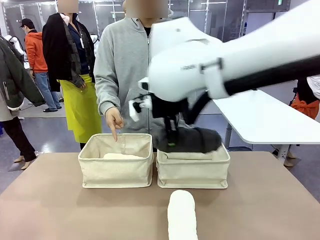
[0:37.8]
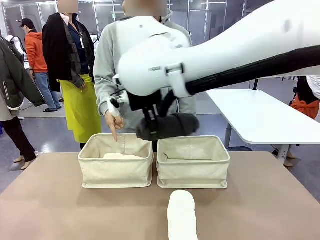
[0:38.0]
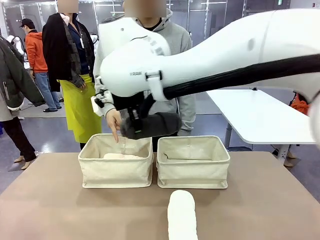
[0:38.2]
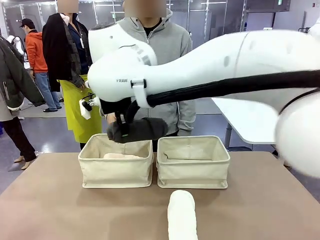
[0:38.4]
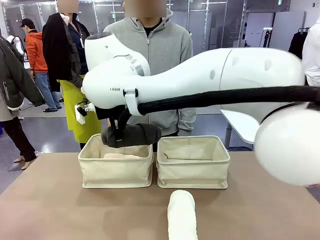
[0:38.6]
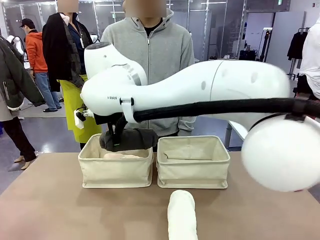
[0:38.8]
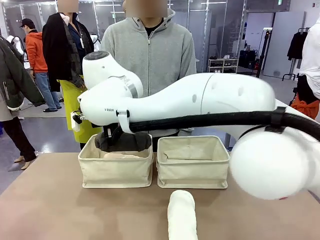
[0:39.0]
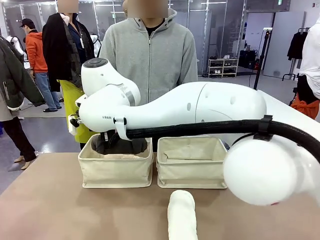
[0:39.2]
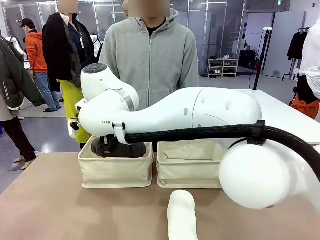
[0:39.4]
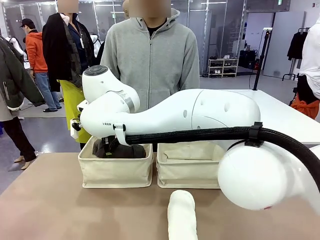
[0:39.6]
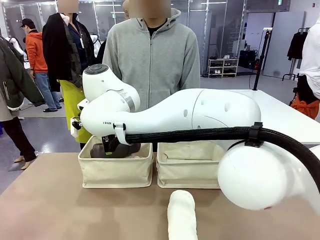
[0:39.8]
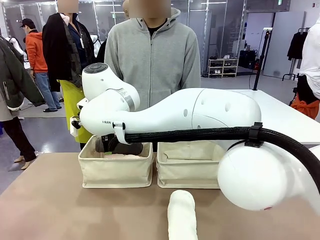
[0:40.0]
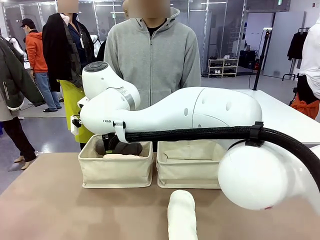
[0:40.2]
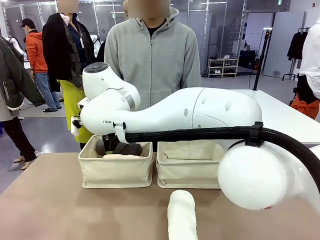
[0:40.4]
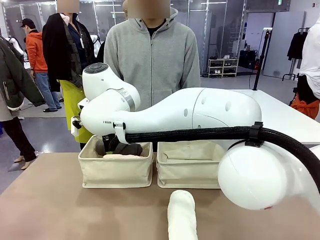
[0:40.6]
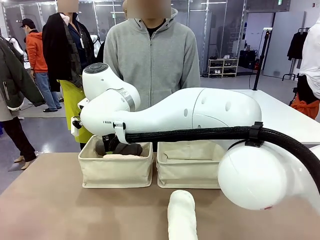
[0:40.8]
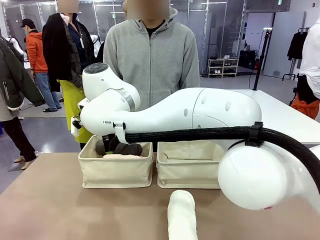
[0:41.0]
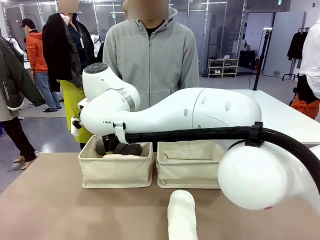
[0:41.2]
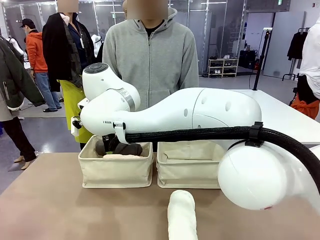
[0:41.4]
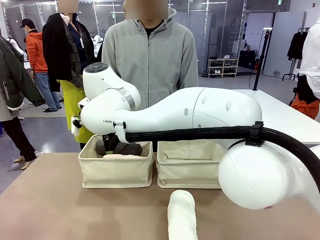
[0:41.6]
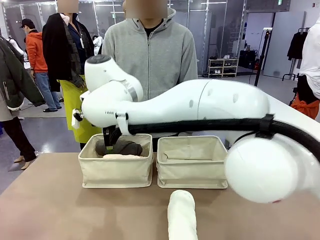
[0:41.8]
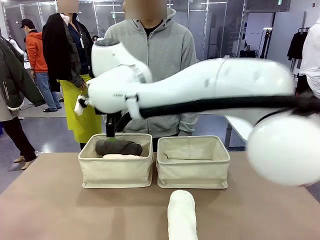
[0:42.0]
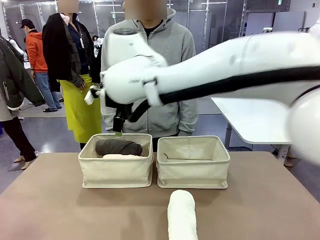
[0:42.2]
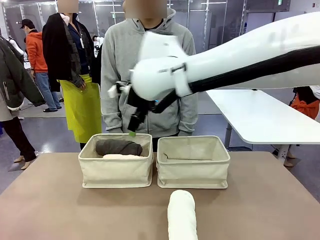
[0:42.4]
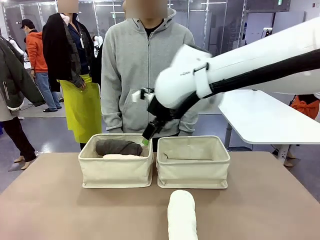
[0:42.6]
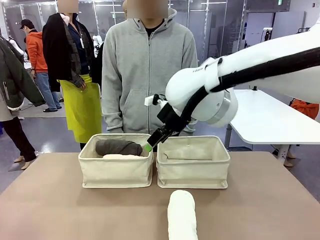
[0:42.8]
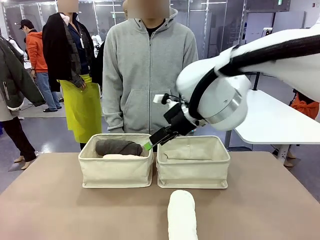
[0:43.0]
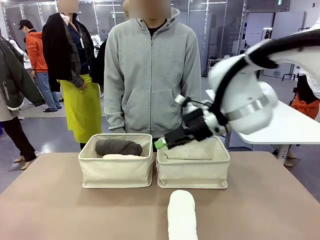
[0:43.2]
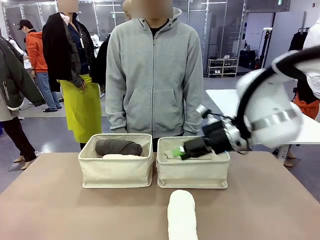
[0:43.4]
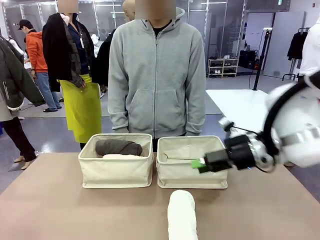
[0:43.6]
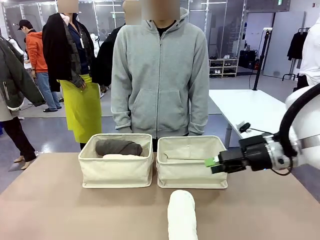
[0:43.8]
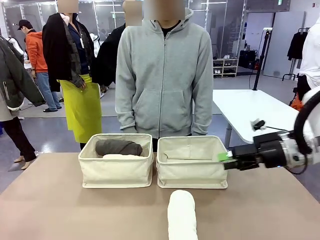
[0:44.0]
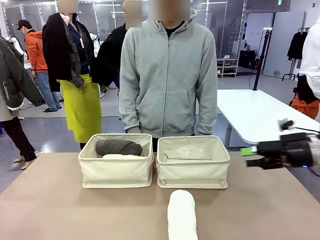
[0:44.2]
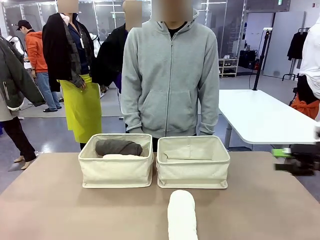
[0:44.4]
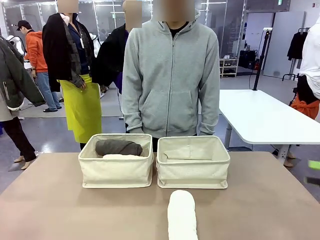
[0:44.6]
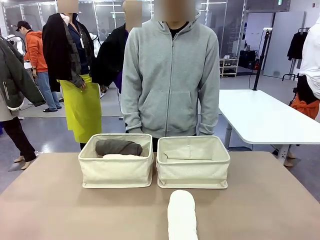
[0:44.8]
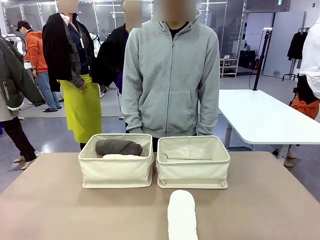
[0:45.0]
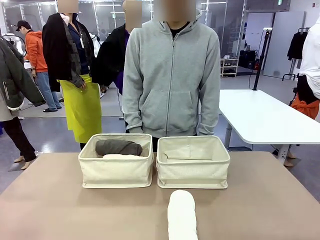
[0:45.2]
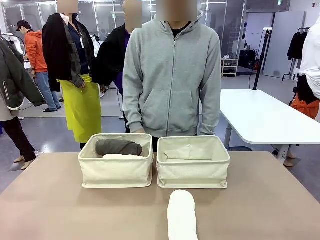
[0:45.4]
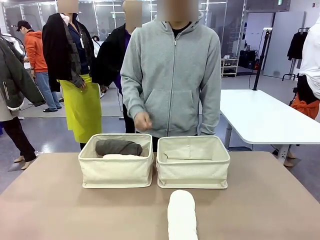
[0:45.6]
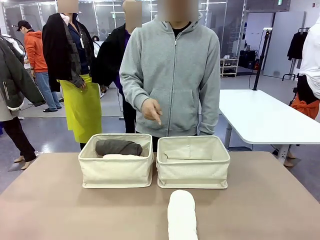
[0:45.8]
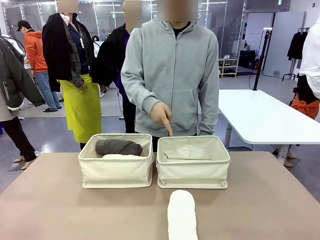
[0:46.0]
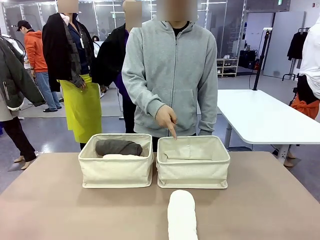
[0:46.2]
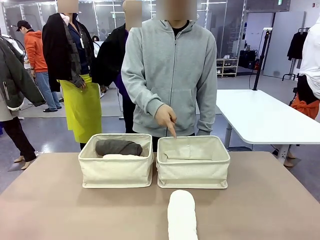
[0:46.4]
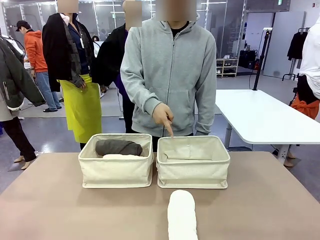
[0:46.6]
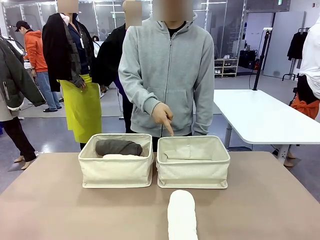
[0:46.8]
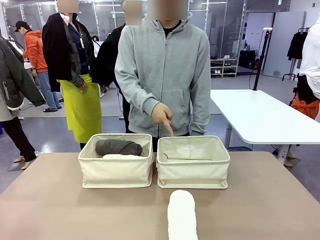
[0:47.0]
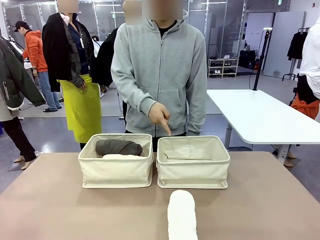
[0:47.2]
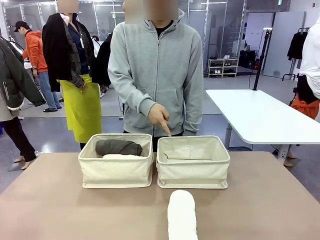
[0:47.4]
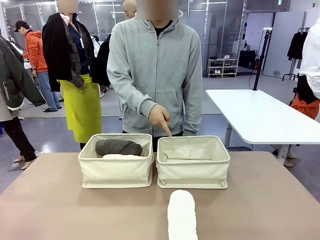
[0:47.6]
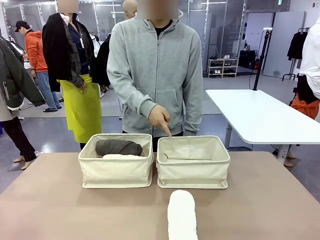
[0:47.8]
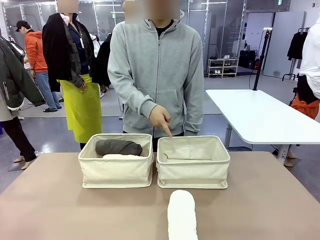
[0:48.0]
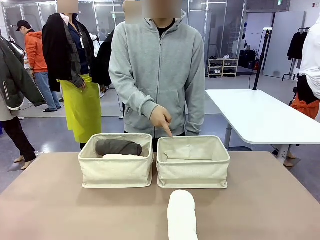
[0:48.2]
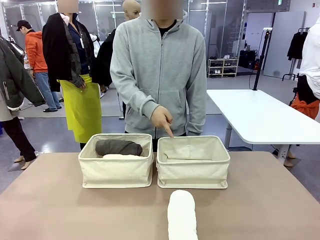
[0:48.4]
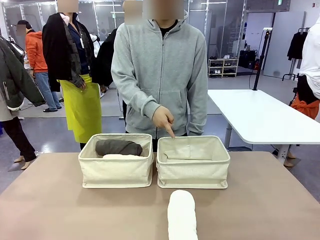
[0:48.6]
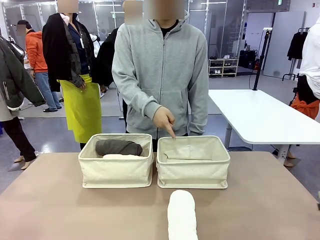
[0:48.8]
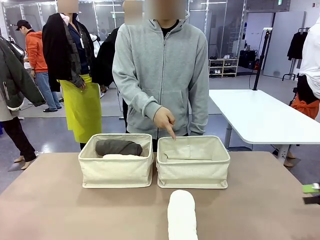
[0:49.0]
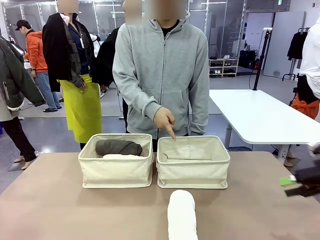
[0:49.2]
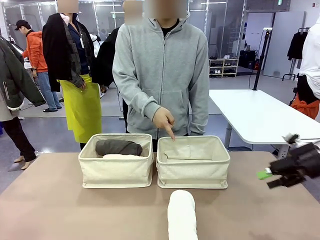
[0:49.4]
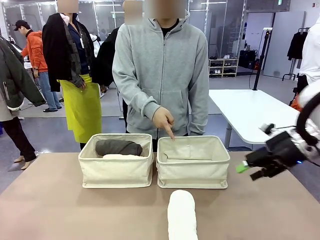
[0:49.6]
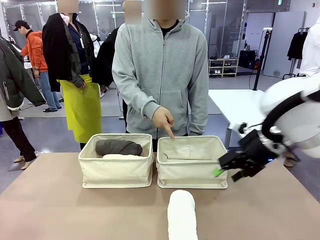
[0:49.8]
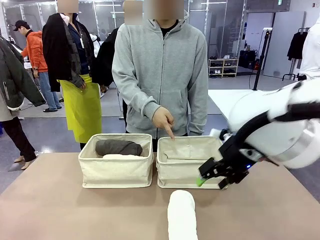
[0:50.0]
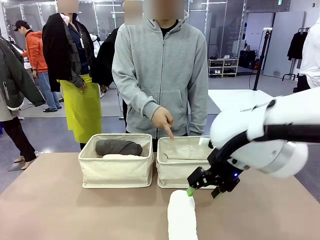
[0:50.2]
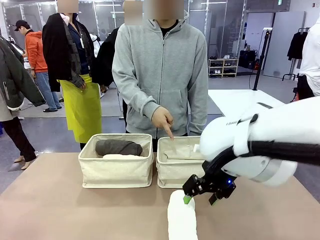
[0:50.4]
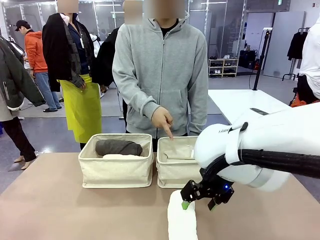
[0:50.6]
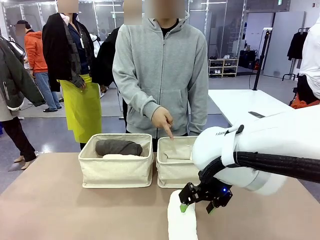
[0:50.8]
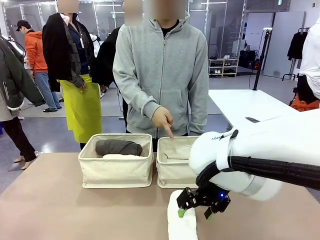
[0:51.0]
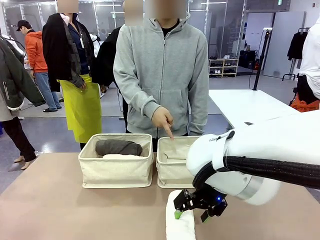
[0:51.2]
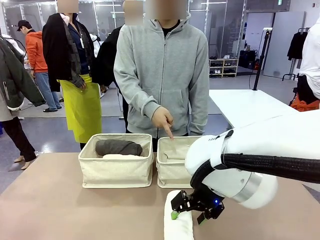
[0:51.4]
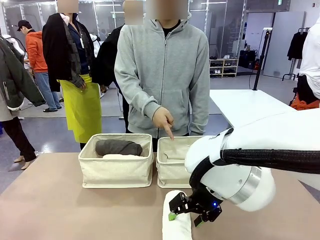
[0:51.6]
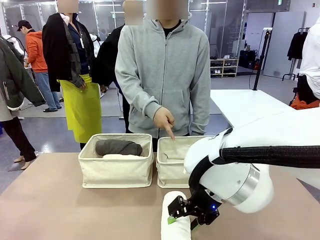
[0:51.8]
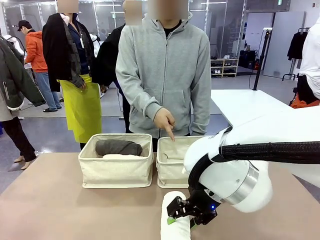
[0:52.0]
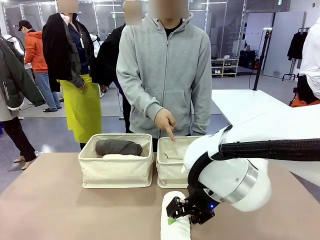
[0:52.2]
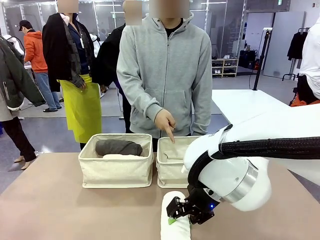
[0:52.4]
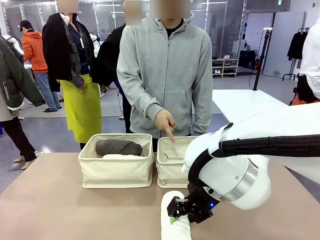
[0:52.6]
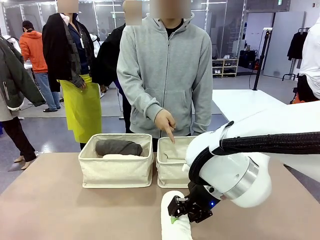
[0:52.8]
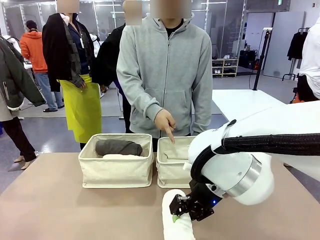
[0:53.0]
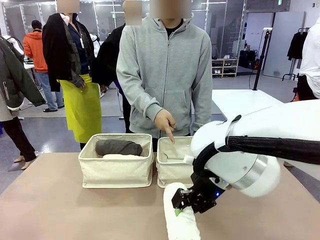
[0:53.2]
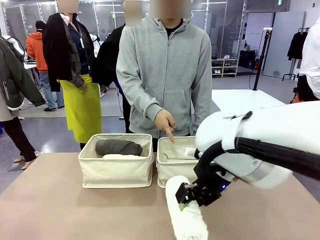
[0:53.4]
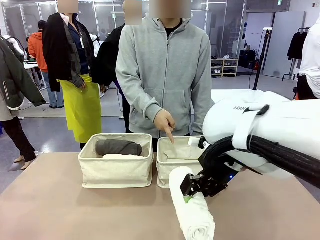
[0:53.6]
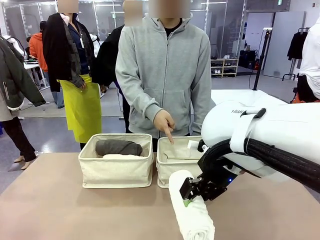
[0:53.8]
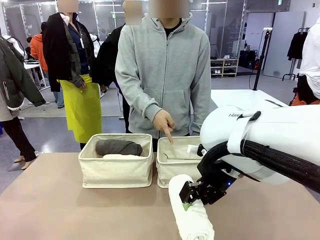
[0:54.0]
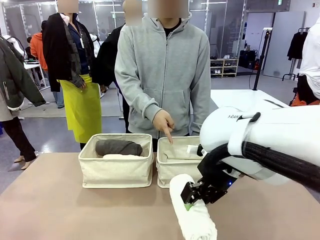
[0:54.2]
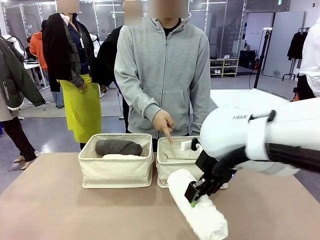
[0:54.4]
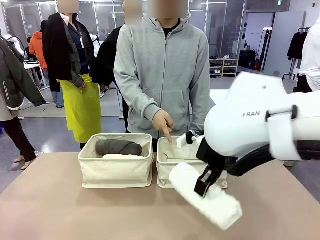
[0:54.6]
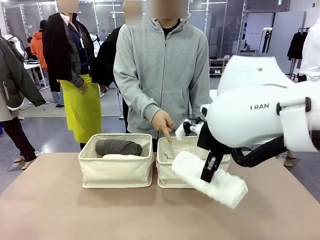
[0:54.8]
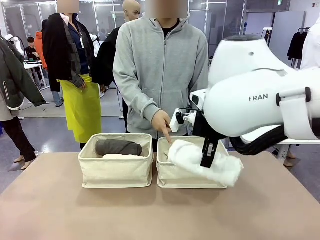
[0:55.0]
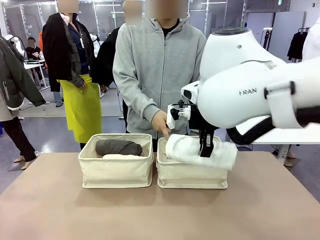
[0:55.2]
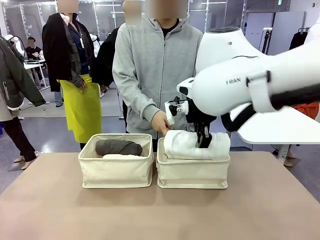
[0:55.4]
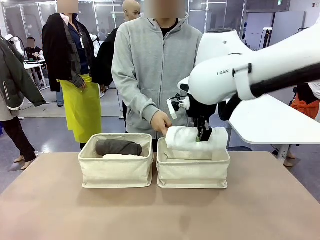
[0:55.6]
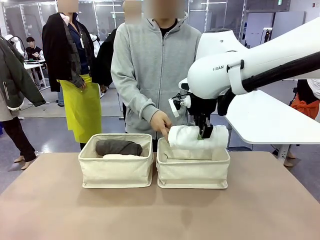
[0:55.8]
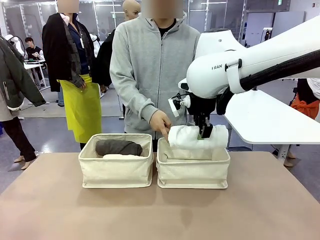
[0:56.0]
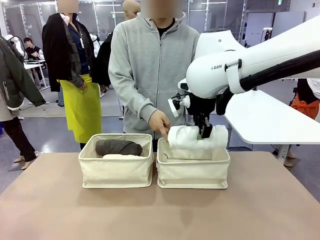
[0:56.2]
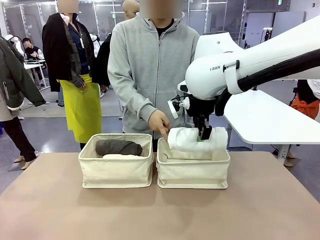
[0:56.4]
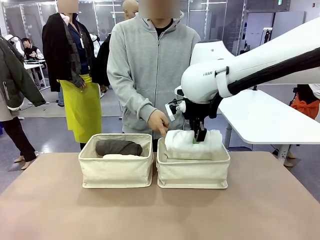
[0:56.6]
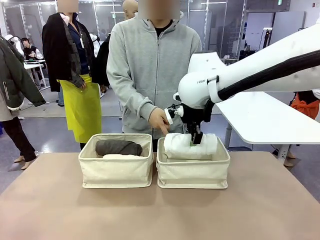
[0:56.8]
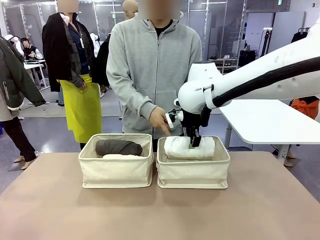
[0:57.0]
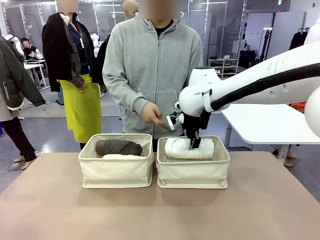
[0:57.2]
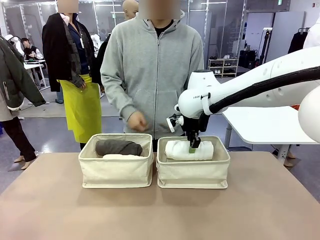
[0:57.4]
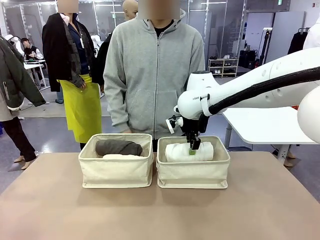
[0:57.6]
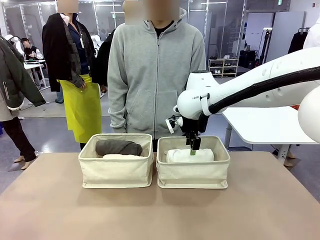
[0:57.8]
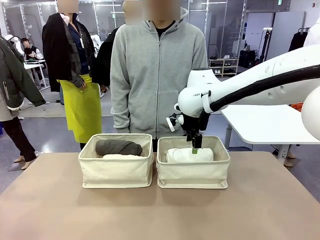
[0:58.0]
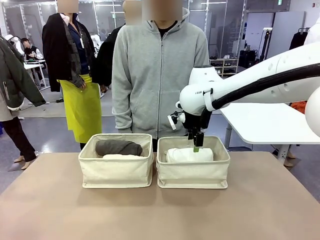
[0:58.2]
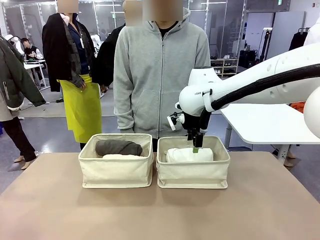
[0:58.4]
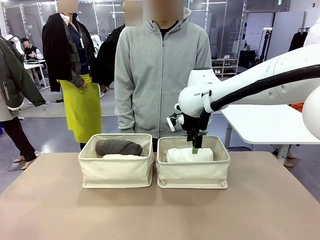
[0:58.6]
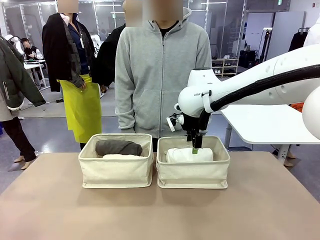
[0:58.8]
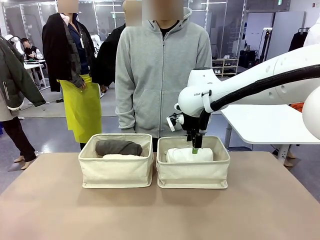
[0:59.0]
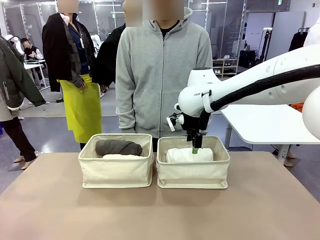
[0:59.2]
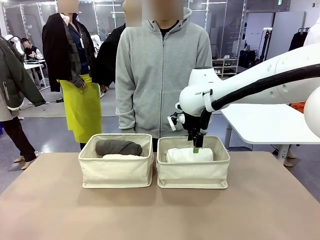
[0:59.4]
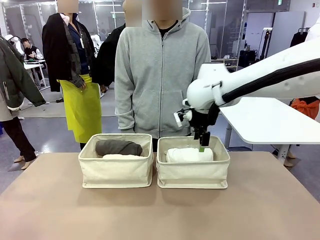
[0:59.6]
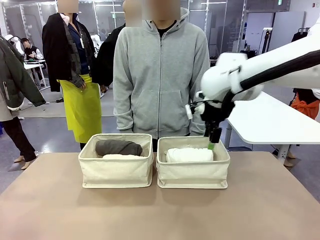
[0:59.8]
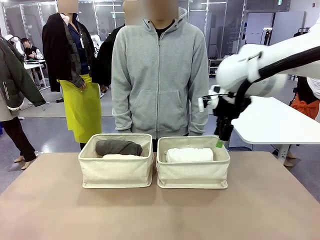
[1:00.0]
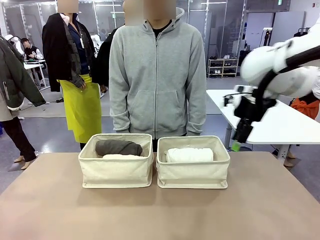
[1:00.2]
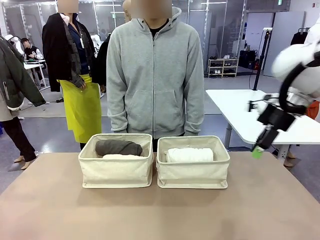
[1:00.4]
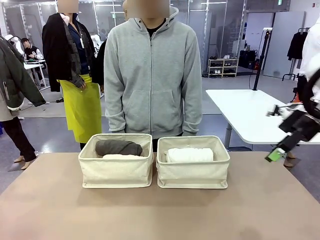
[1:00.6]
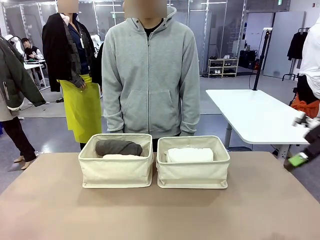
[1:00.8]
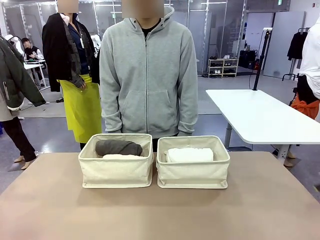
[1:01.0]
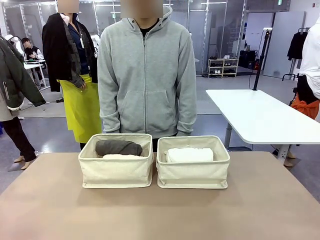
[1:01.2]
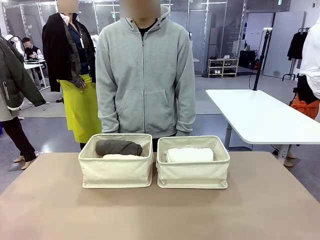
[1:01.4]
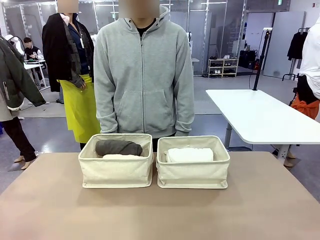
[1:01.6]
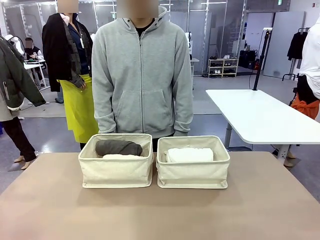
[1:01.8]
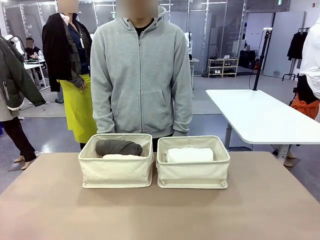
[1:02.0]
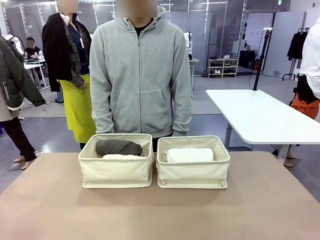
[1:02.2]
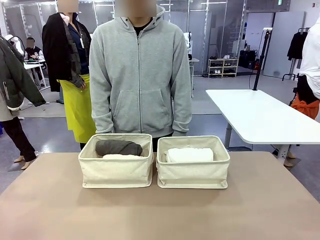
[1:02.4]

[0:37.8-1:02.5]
Task: Divide the towels into two baskets.
Robot: Pick up one hotel-folded towel from the bottom of the table and place it in the Fabric basket indicated by the person.
